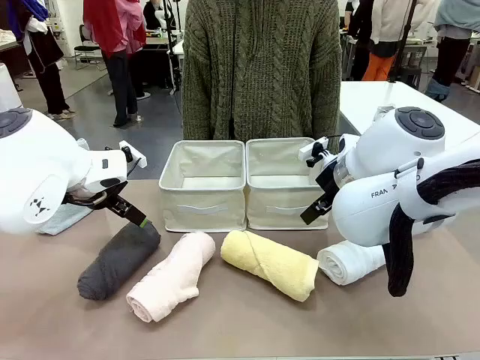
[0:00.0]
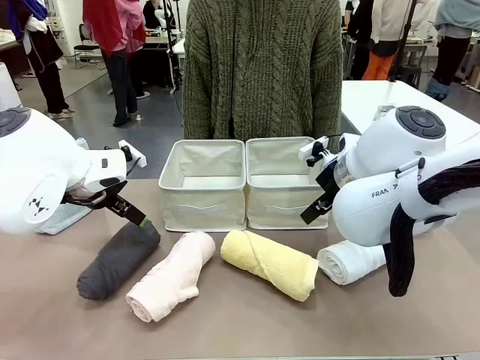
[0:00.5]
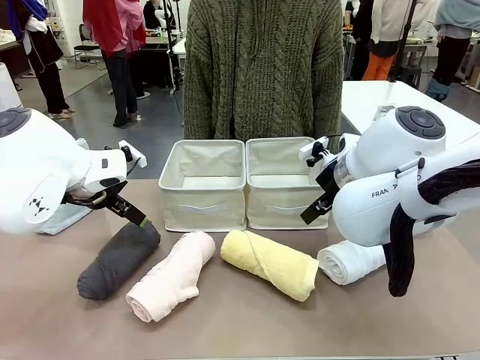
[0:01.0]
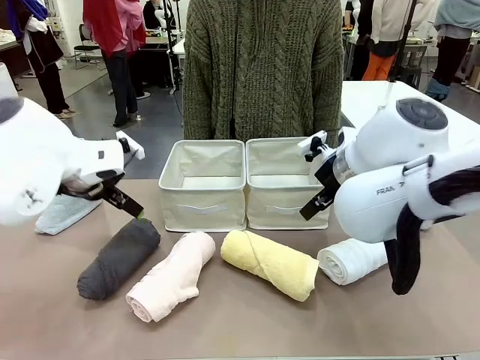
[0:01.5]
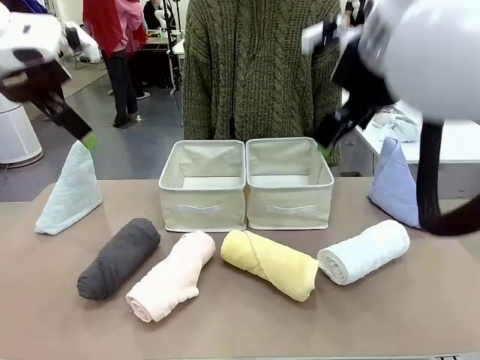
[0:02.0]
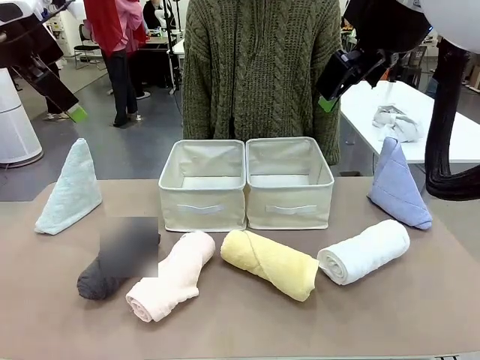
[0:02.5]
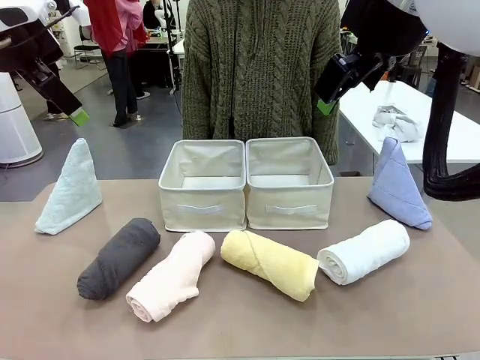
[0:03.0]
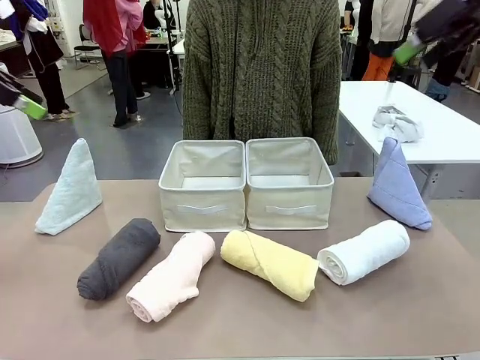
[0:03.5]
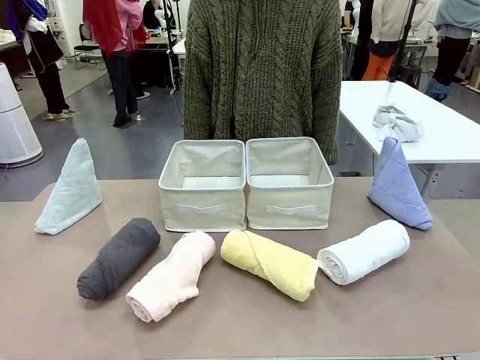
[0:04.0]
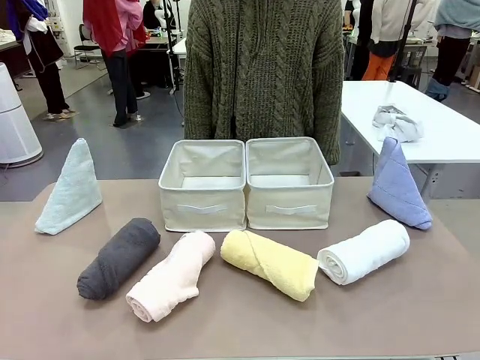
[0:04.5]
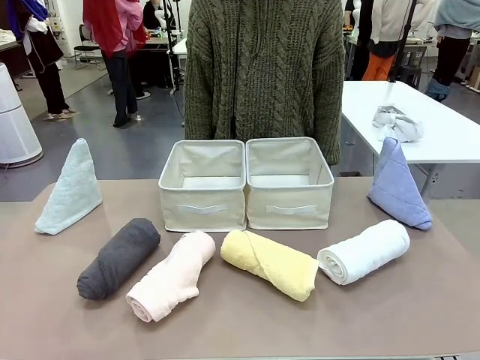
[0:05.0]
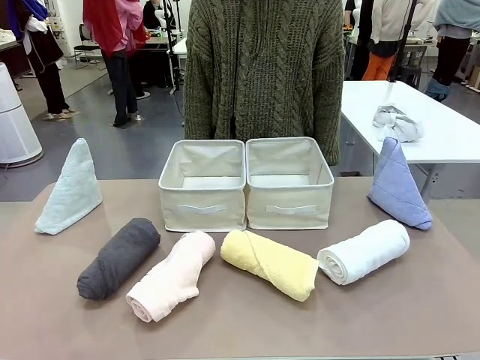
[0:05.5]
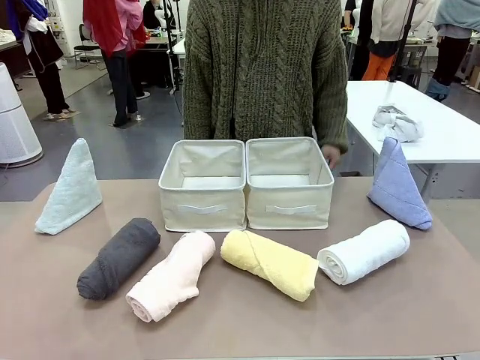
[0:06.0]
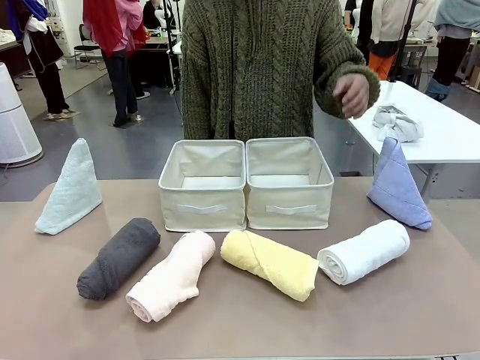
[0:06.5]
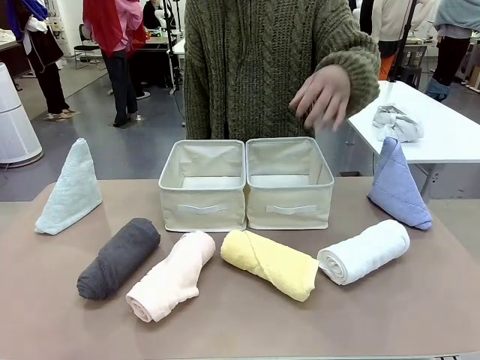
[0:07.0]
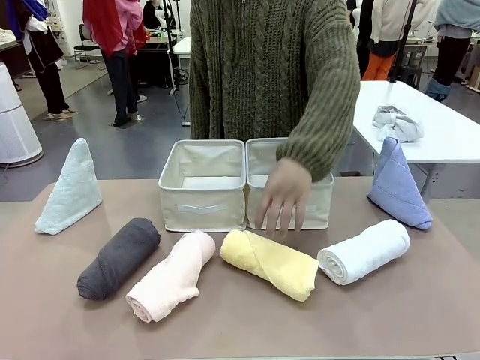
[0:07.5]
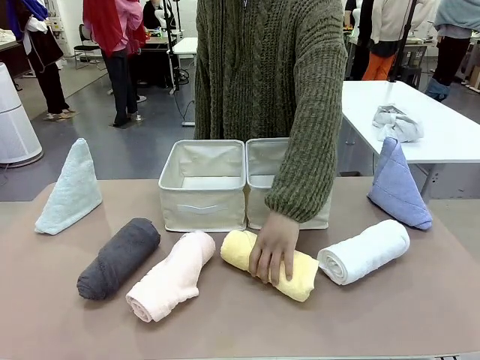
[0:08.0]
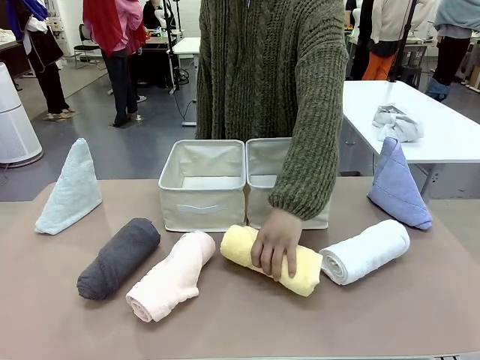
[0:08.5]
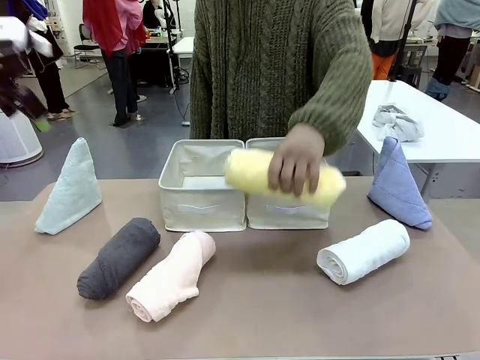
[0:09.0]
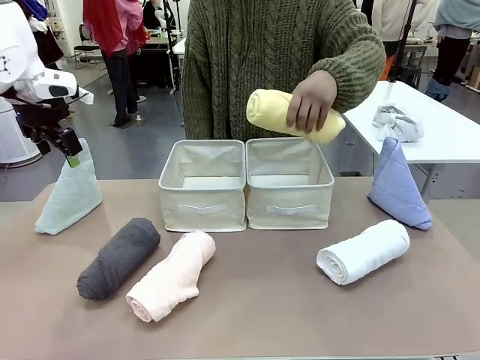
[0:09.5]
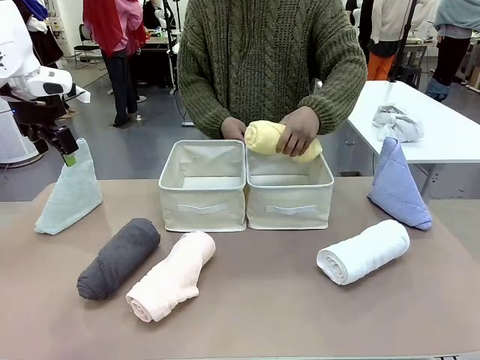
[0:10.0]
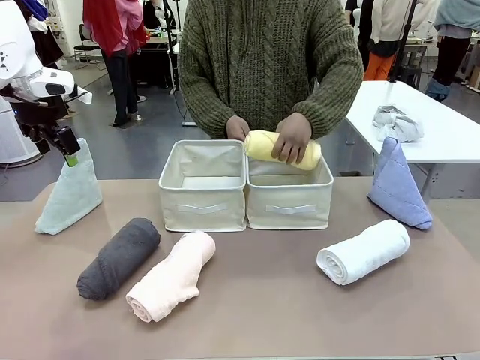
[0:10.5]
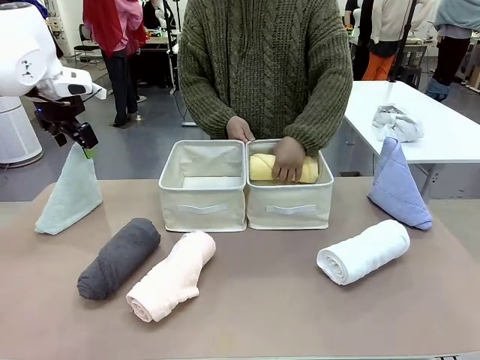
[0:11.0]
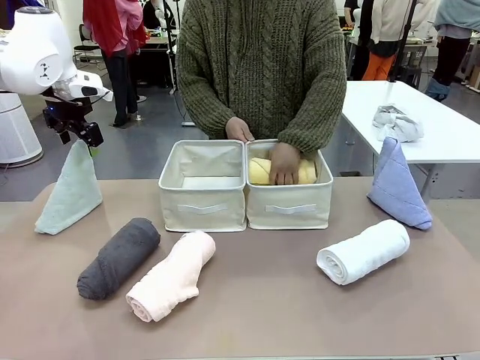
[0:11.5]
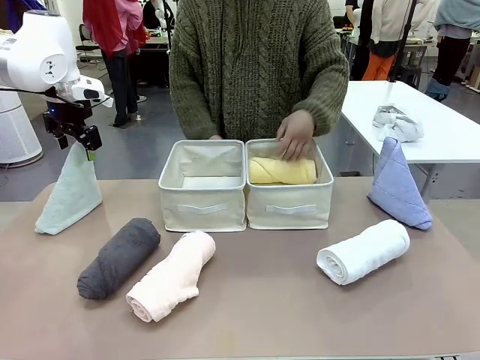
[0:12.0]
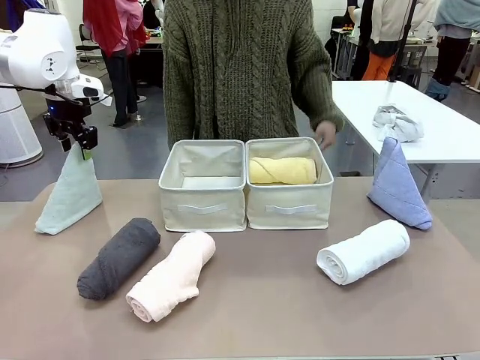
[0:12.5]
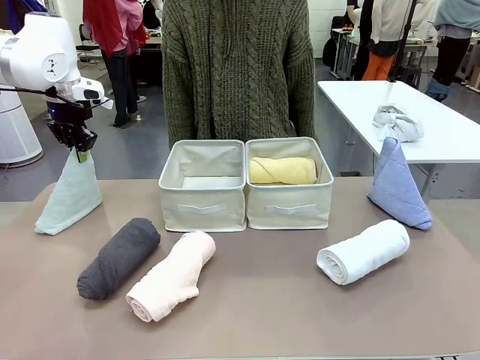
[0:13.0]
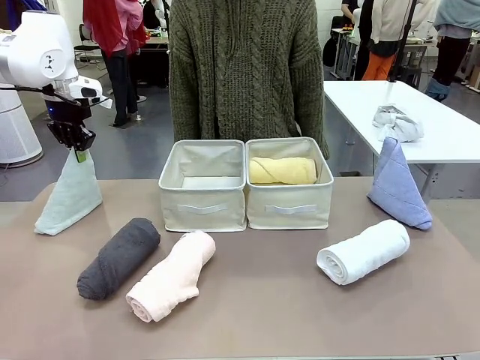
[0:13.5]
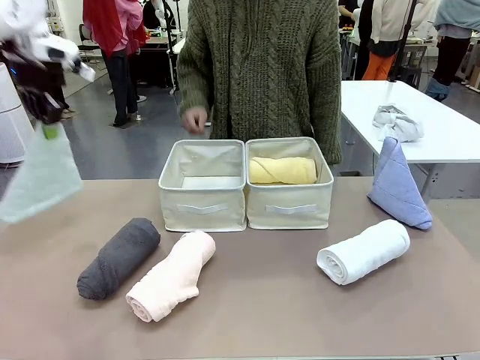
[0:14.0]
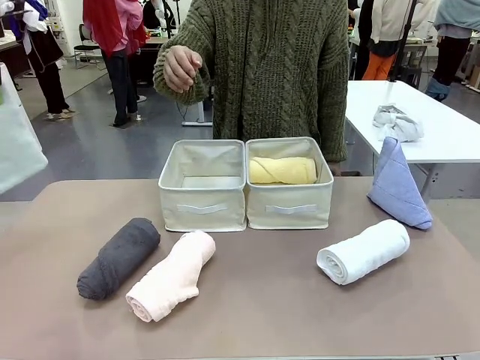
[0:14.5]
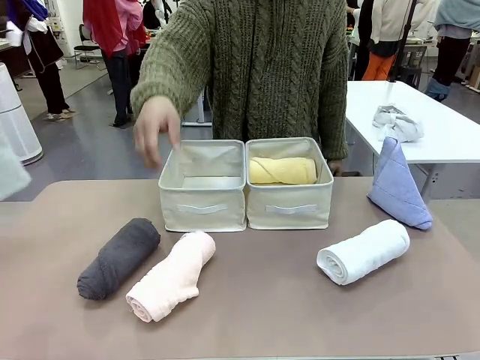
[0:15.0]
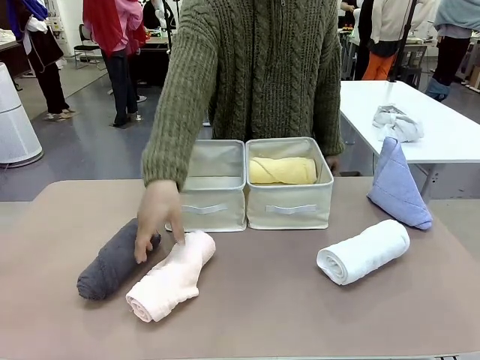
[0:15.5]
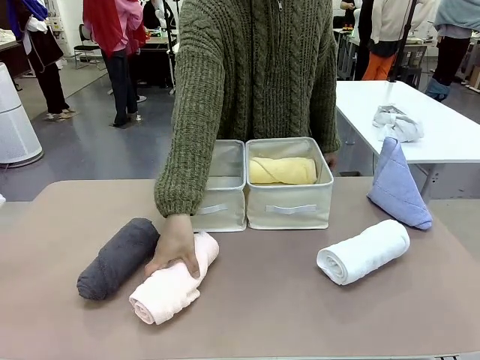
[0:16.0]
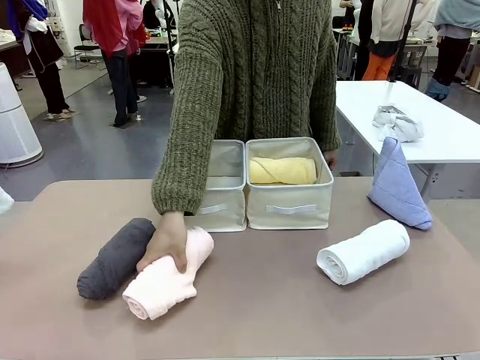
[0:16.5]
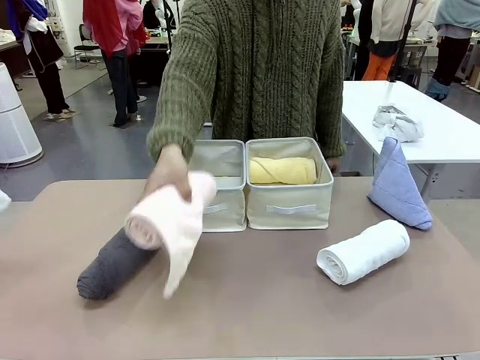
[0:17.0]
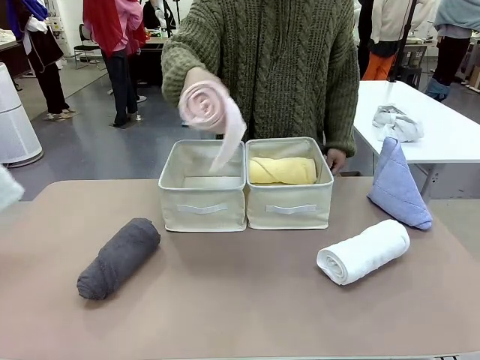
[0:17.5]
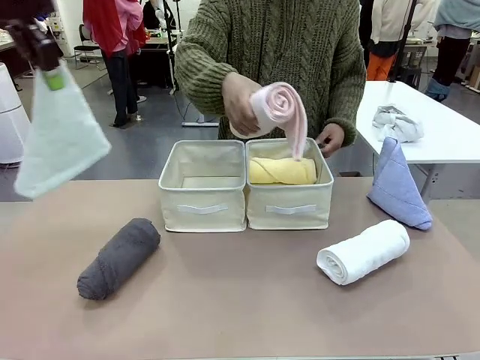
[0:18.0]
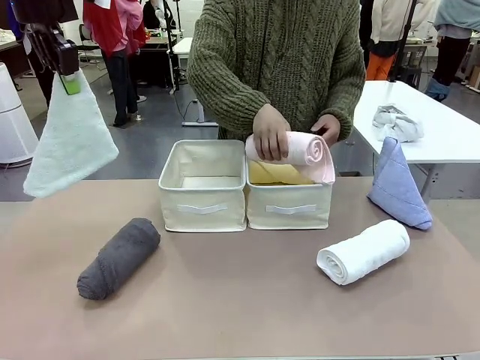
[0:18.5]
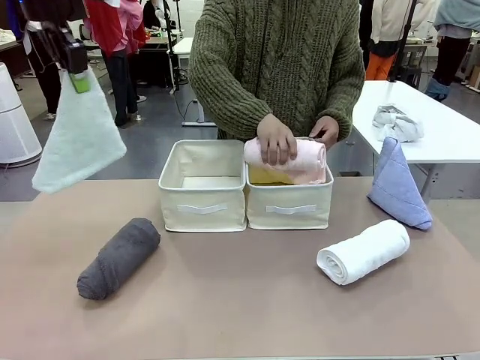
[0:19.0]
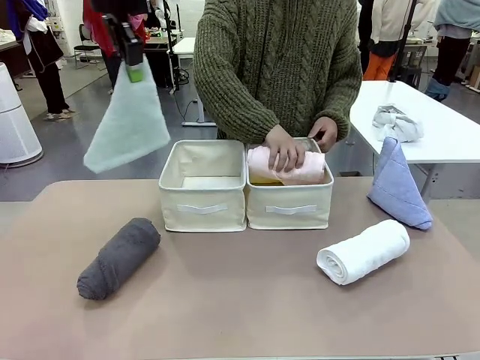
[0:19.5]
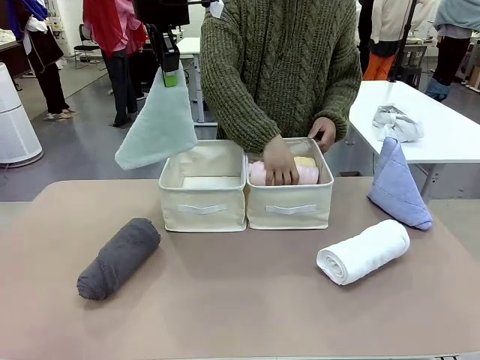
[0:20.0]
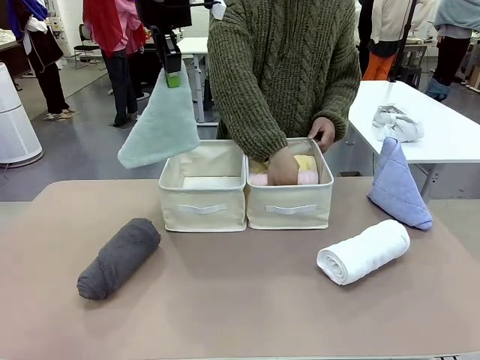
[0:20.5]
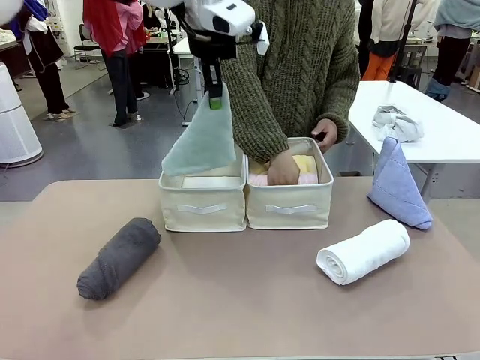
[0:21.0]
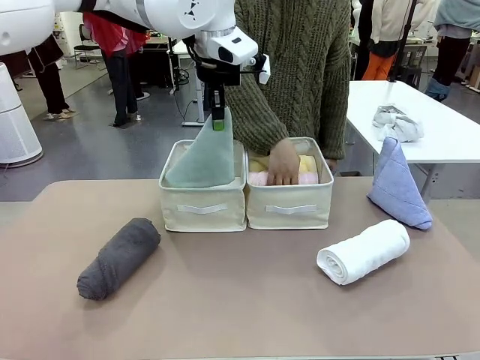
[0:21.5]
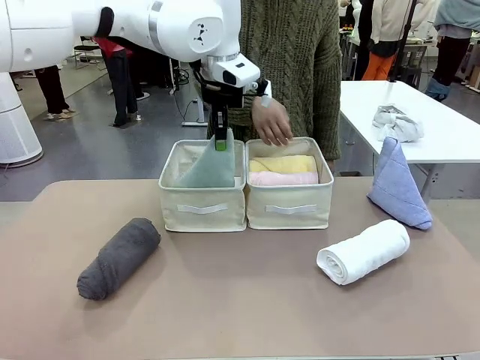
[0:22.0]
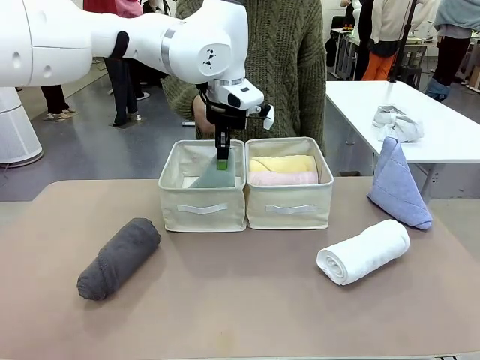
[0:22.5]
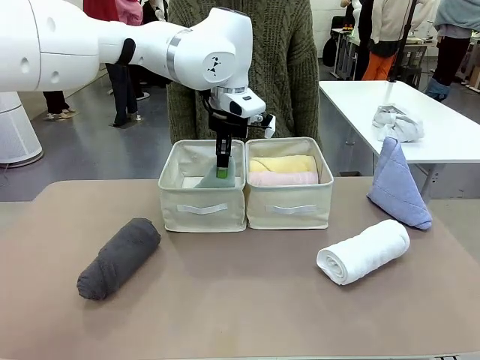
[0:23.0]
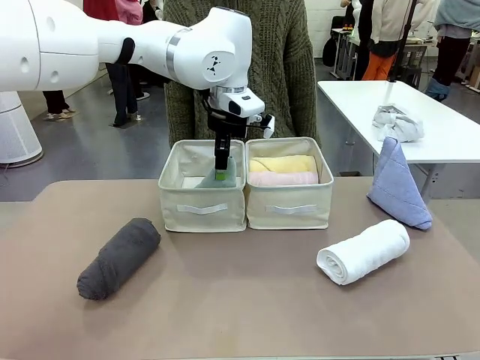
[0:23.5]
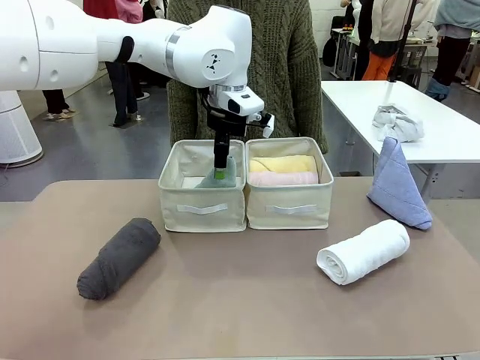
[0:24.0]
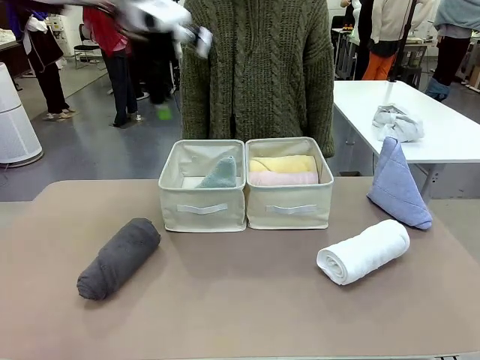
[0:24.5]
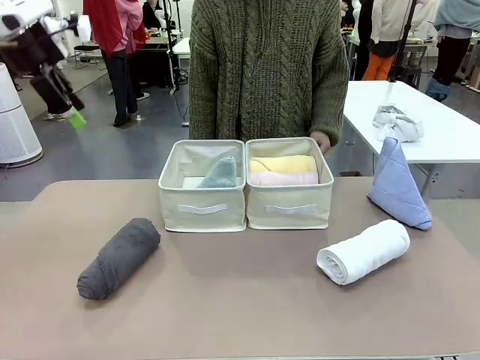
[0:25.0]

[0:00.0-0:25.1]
Task: Sort the towels based on their folding style.
Robot: Pick up one triangle-folded towel and place it in the left Fabric basket.
Person: Pick up one hotel-style rolled towel and place it in the left fabric basket.
